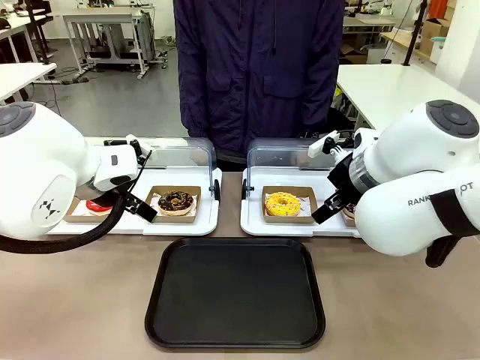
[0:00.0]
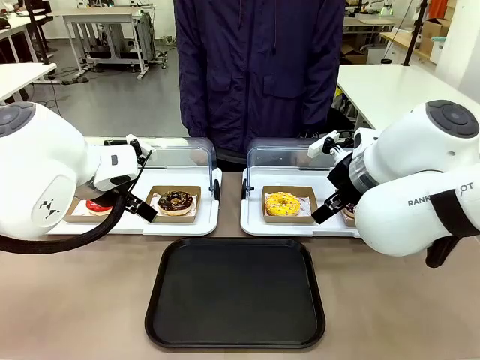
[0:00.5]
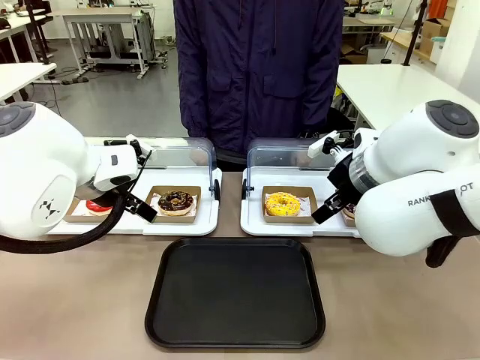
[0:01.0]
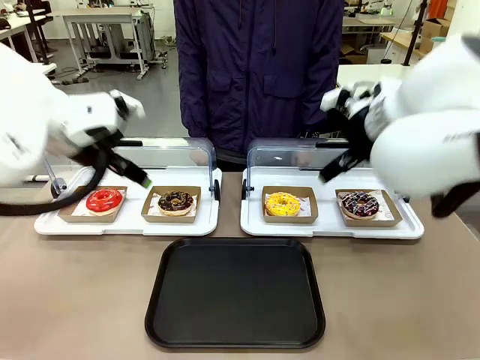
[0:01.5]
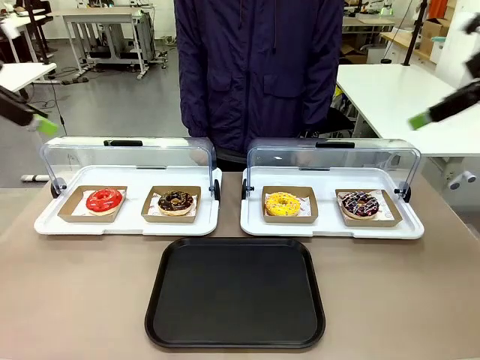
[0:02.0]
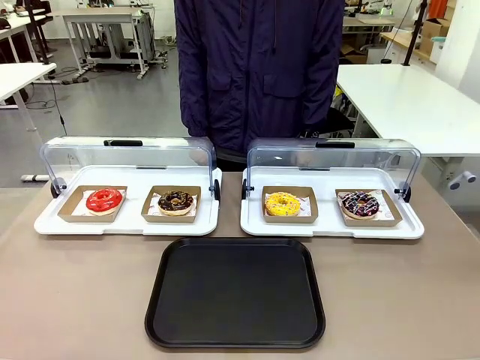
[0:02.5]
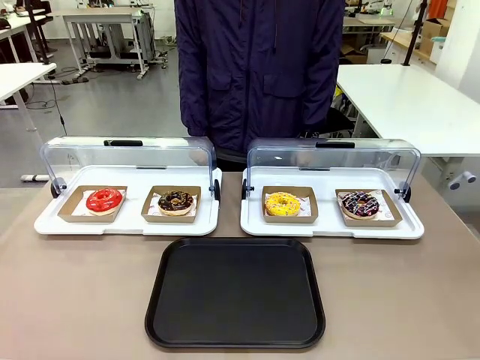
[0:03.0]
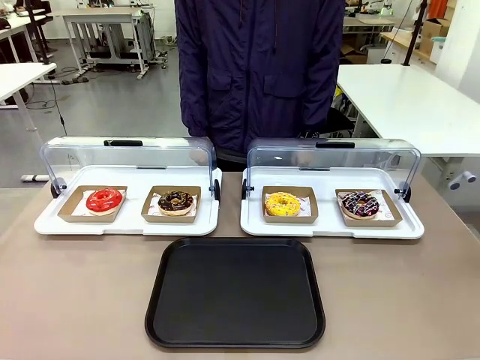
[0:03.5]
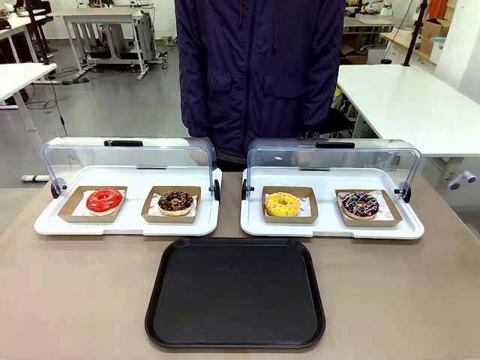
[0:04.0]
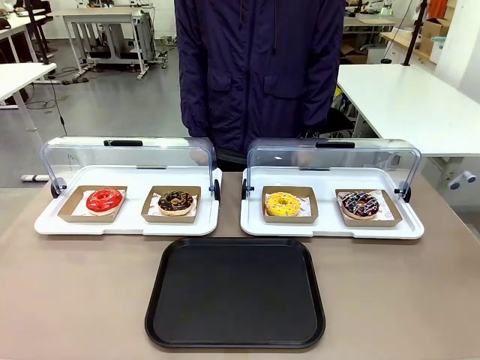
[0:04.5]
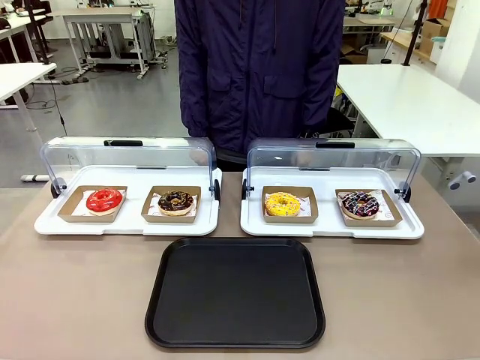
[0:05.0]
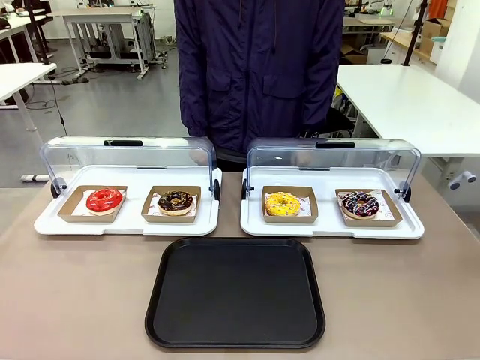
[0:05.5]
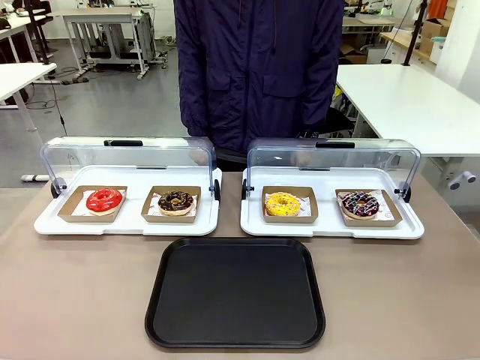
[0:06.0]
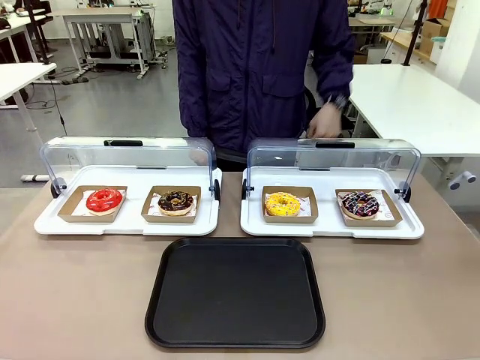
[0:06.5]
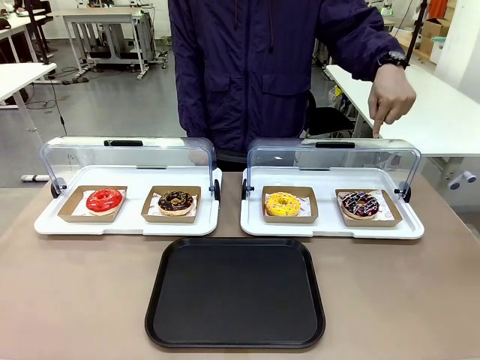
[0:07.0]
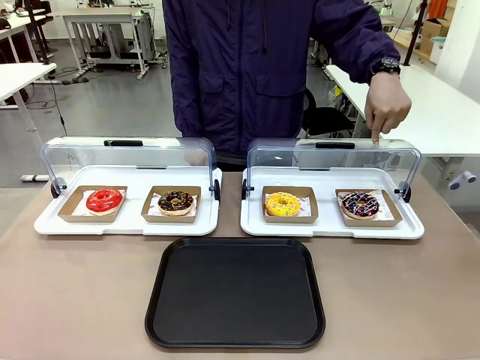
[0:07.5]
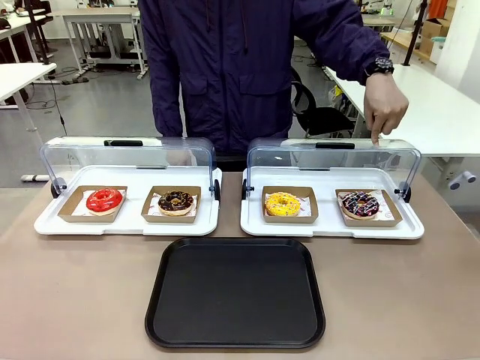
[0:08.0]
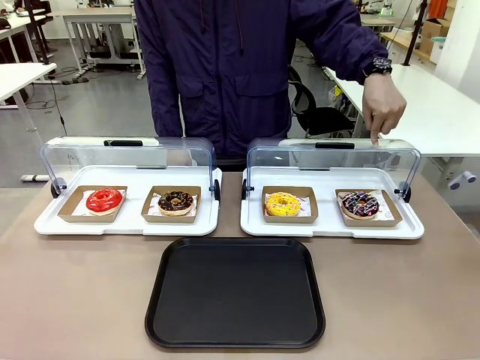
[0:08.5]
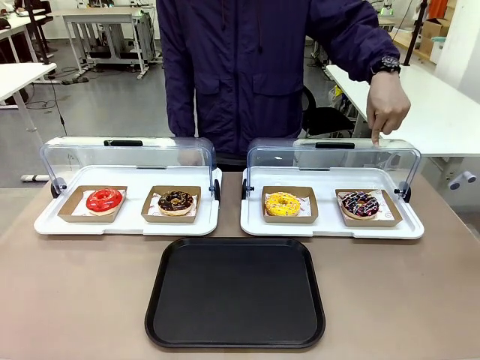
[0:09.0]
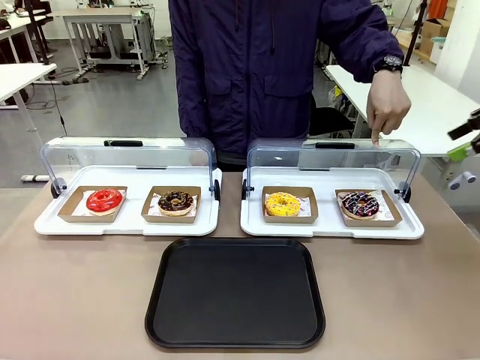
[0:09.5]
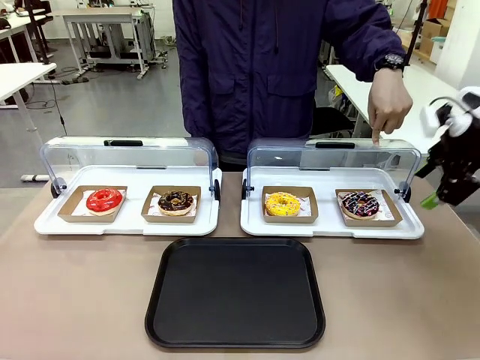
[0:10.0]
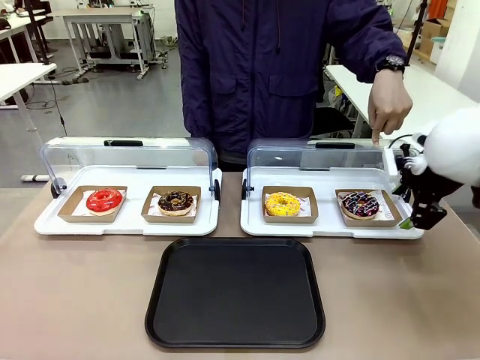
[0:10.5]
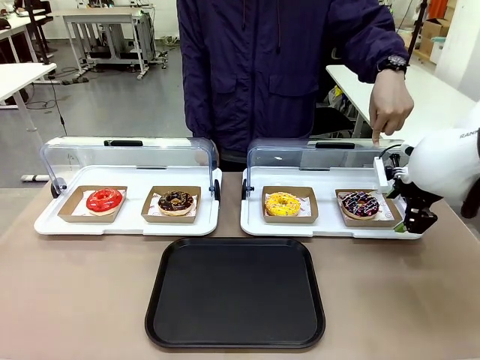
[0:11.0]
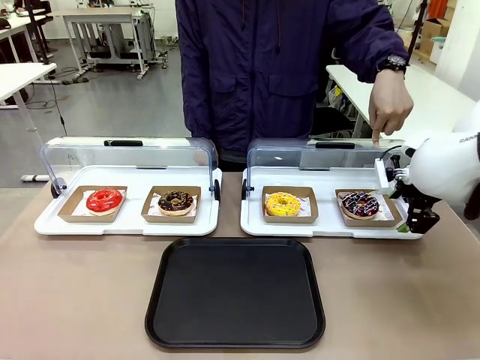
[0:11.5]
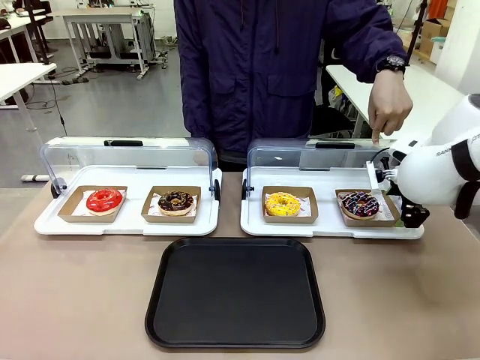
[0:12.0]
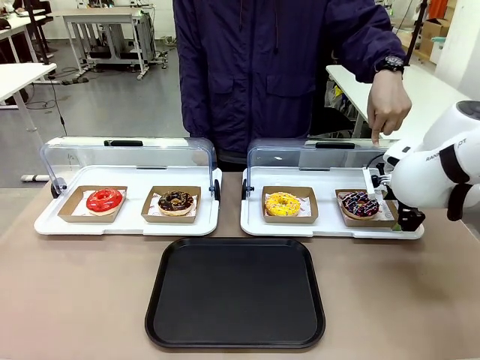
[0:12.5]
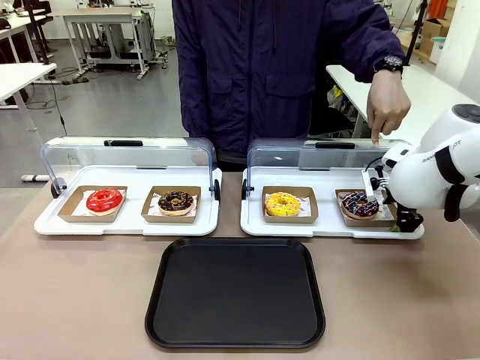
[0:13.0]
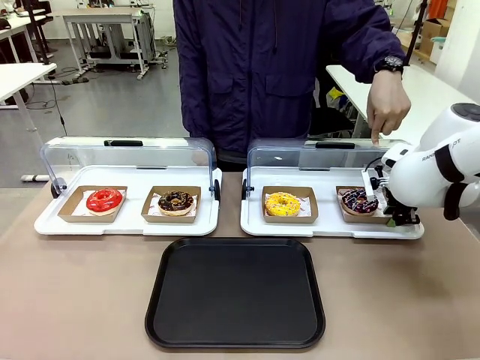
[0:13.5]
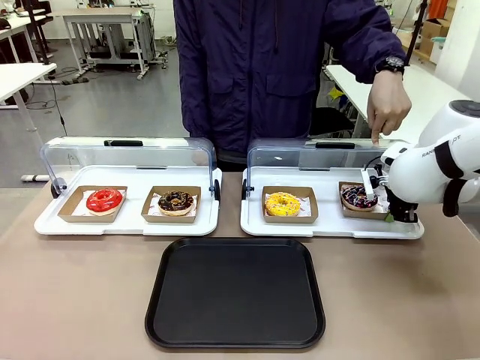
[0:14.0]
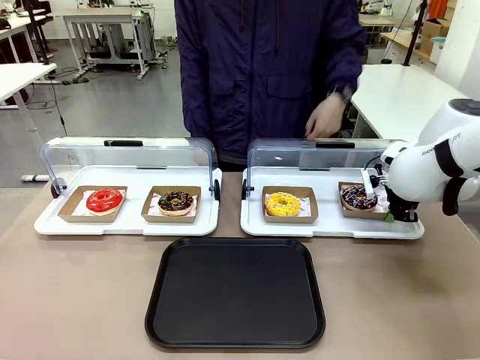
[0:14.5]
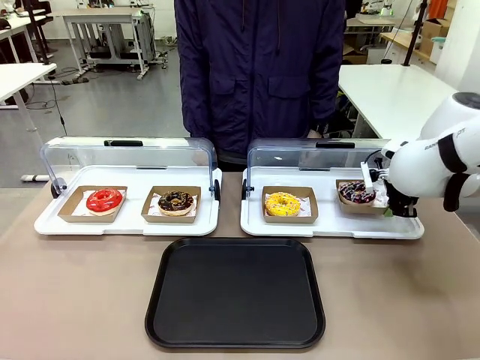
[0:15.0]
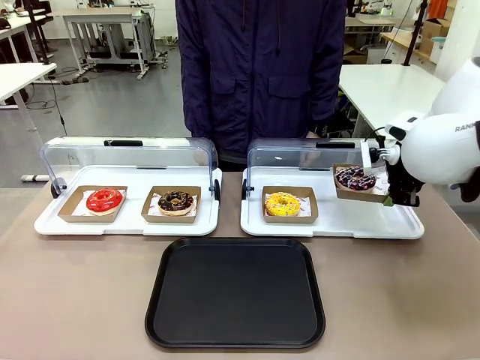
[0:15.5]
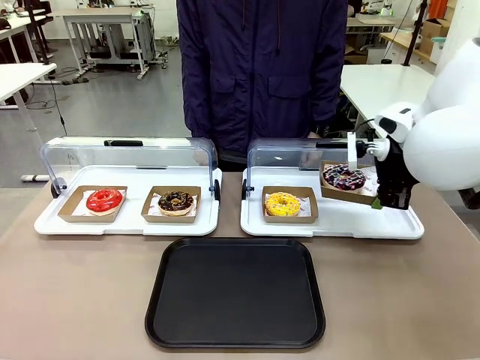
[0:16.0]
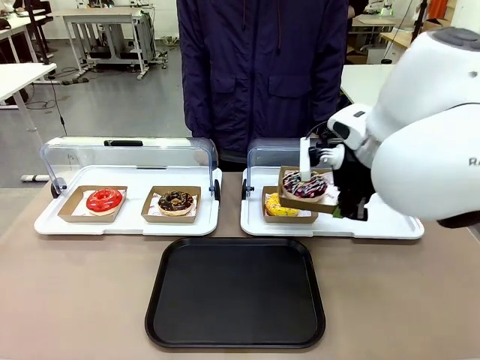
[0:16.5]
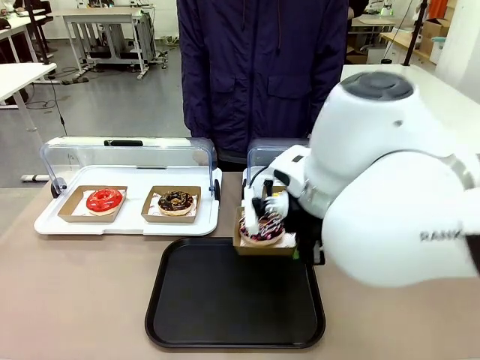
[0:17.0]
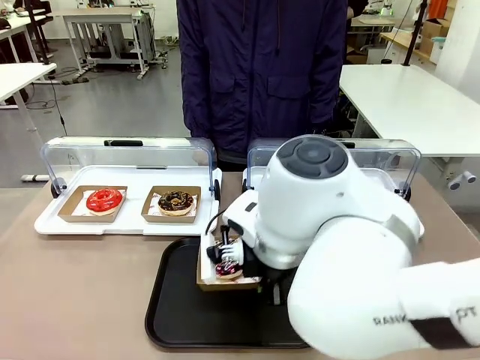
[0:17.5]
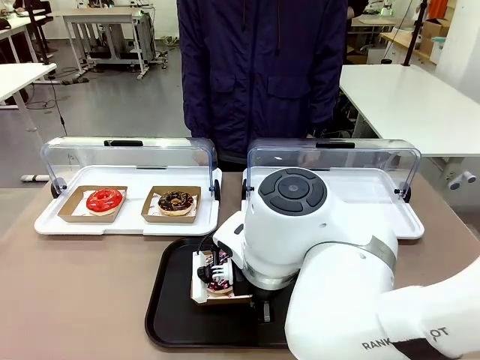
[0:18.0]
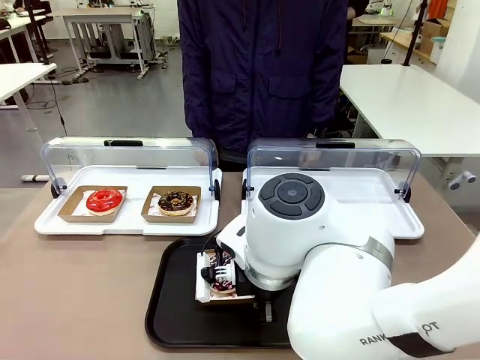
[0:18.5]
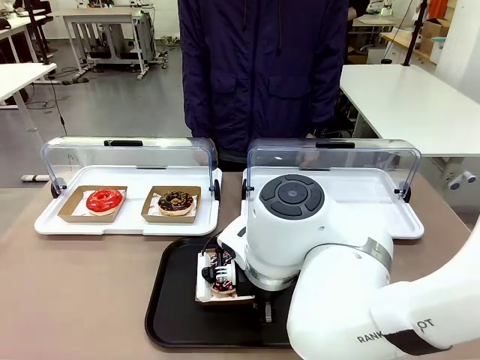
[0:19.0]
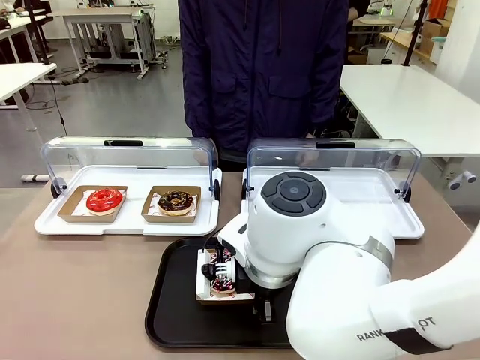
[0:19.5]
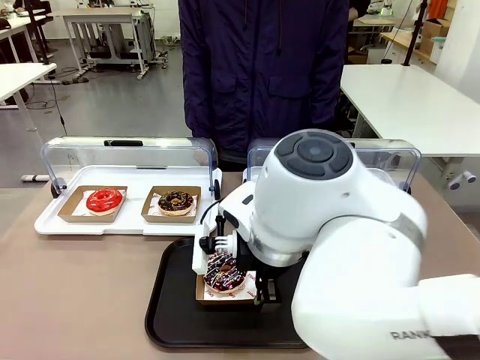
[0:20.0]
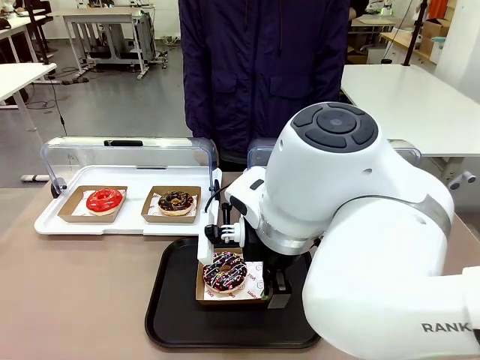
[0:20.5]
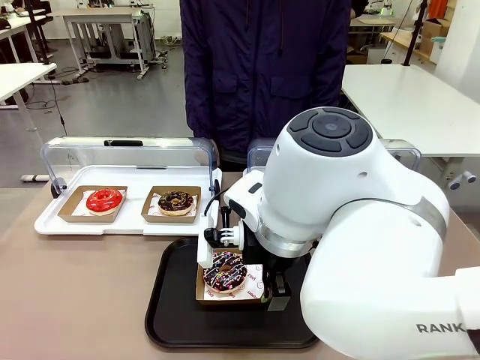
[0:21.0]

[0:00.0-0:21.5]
Task: Move the fourth donut from the left to the tray.
Robot: Pick up the Paper togo box containing the Donut indicated by the person and place it on the Handle tray.
Person: Points to the fourth donut from the left from the robot’s perspective.
